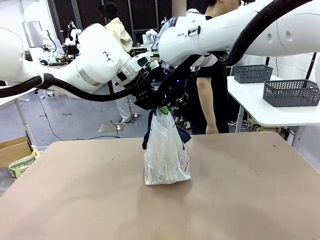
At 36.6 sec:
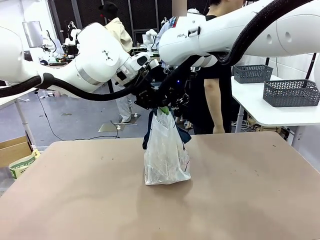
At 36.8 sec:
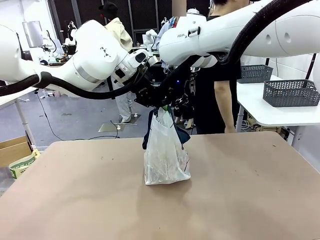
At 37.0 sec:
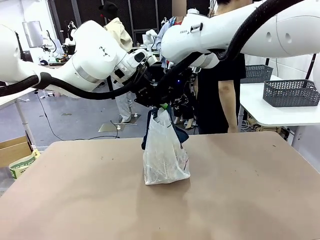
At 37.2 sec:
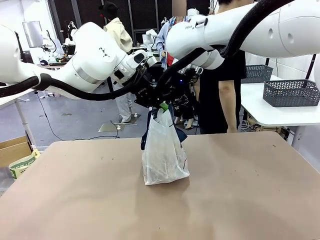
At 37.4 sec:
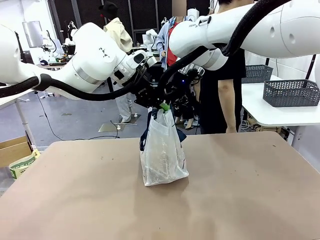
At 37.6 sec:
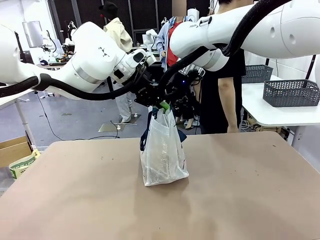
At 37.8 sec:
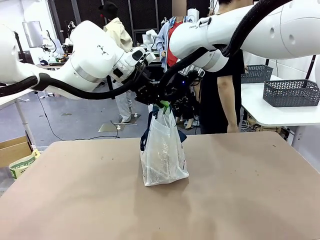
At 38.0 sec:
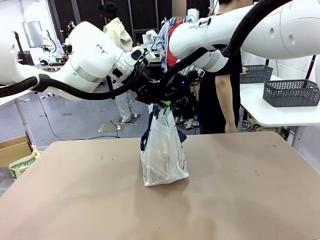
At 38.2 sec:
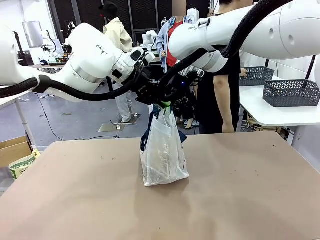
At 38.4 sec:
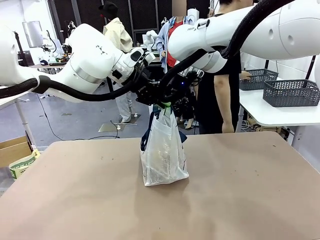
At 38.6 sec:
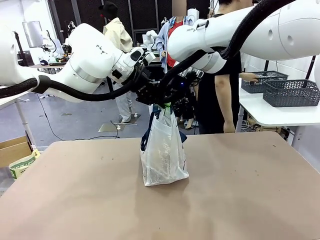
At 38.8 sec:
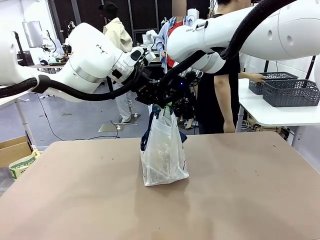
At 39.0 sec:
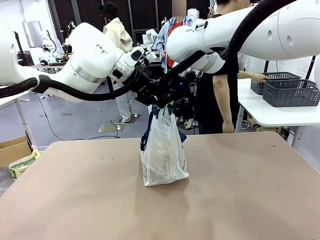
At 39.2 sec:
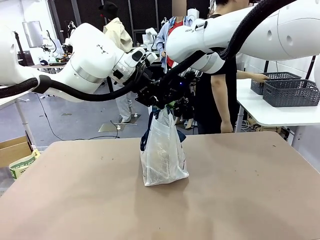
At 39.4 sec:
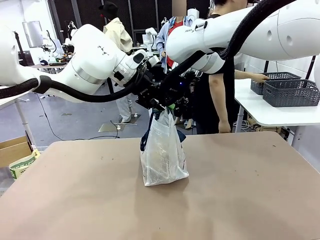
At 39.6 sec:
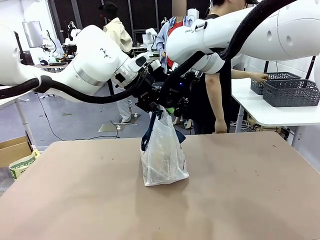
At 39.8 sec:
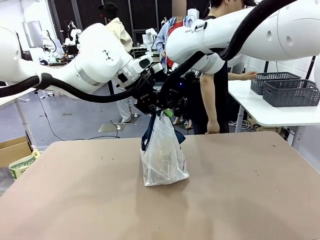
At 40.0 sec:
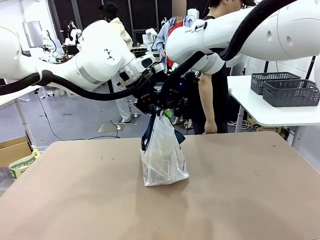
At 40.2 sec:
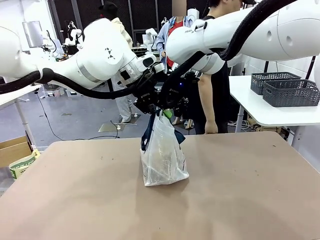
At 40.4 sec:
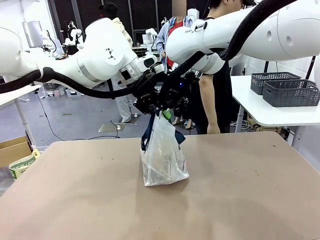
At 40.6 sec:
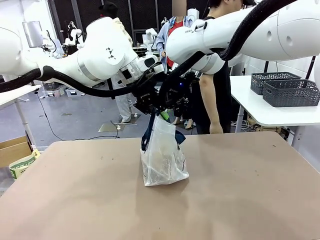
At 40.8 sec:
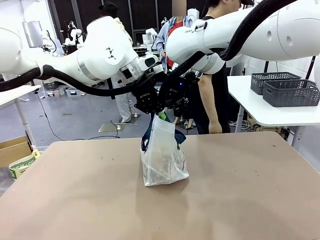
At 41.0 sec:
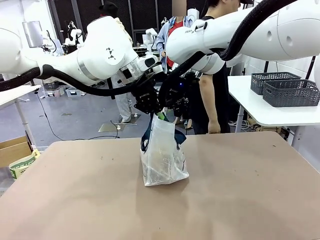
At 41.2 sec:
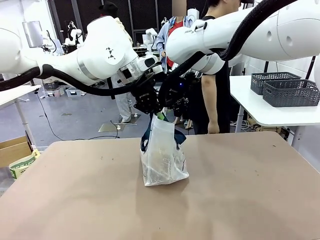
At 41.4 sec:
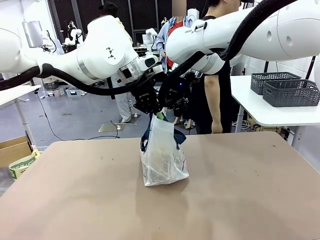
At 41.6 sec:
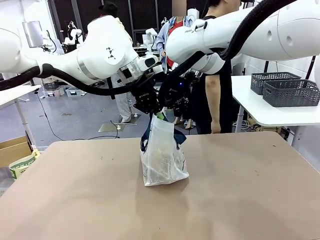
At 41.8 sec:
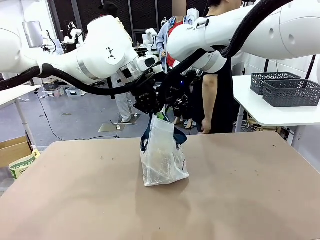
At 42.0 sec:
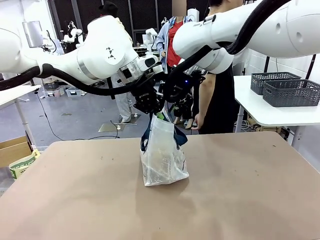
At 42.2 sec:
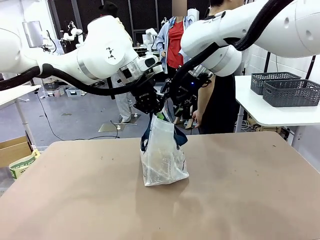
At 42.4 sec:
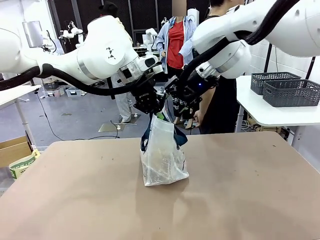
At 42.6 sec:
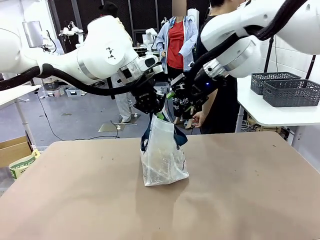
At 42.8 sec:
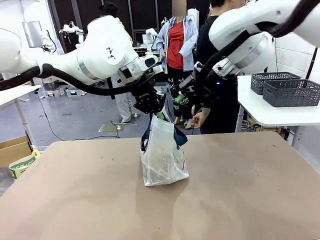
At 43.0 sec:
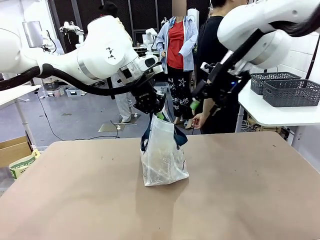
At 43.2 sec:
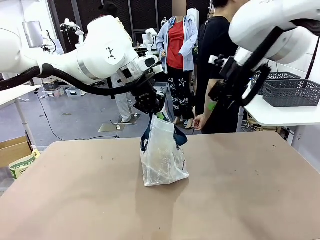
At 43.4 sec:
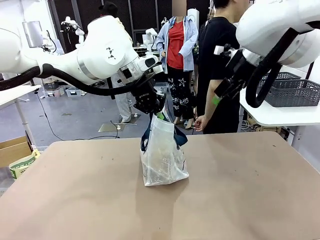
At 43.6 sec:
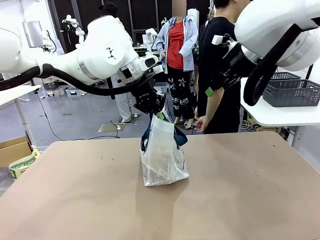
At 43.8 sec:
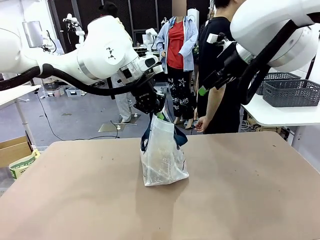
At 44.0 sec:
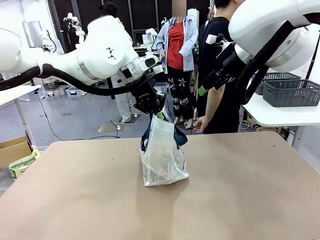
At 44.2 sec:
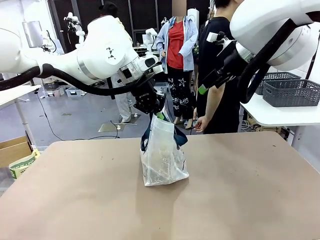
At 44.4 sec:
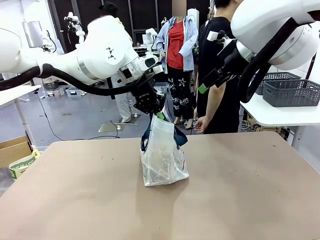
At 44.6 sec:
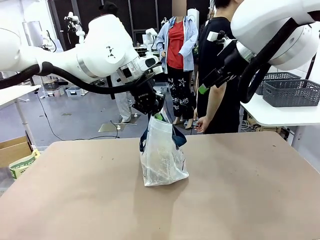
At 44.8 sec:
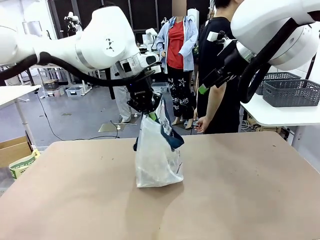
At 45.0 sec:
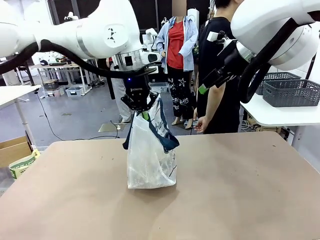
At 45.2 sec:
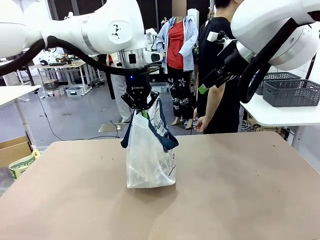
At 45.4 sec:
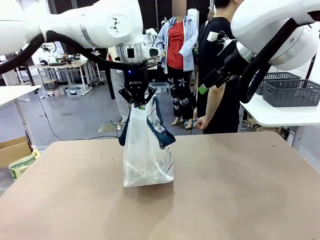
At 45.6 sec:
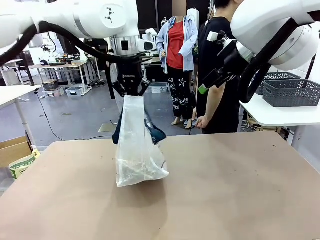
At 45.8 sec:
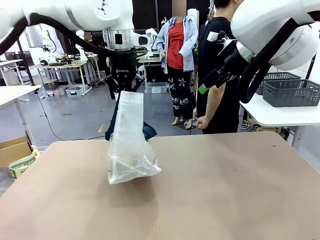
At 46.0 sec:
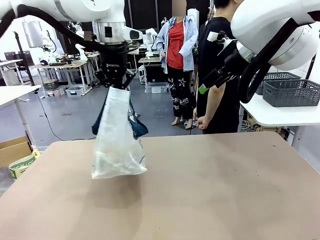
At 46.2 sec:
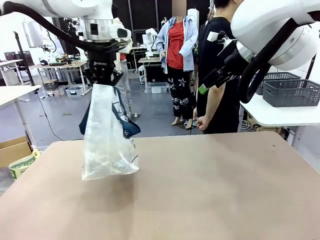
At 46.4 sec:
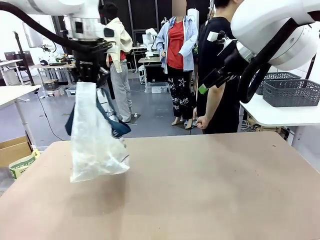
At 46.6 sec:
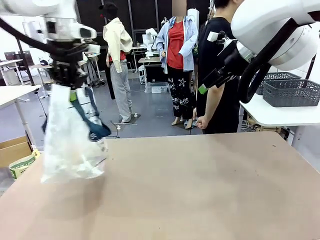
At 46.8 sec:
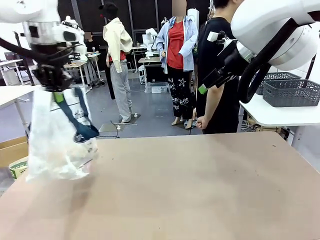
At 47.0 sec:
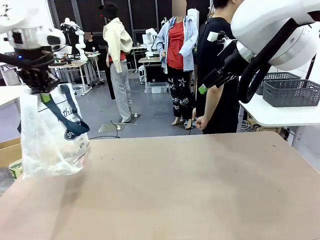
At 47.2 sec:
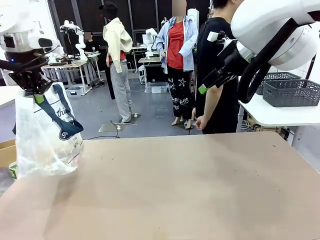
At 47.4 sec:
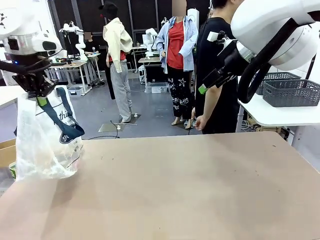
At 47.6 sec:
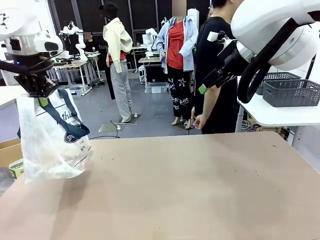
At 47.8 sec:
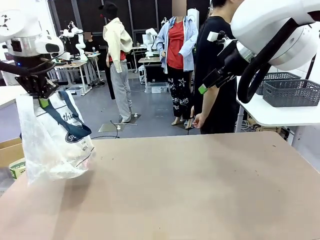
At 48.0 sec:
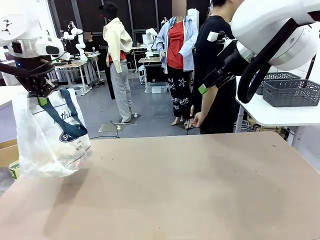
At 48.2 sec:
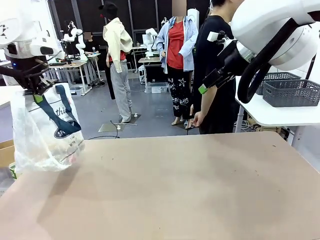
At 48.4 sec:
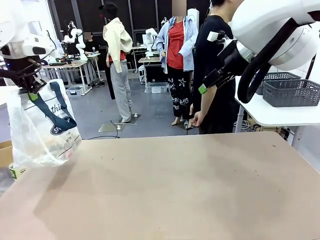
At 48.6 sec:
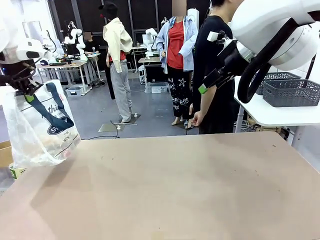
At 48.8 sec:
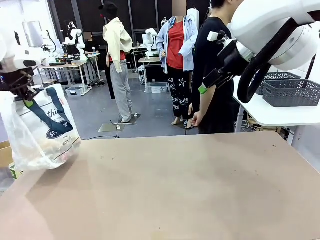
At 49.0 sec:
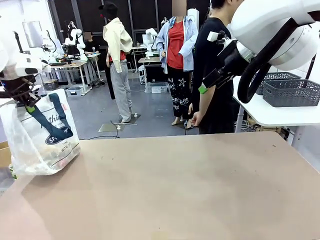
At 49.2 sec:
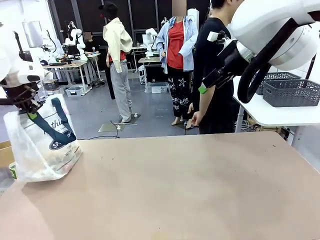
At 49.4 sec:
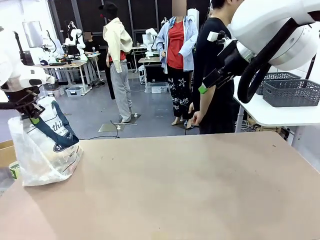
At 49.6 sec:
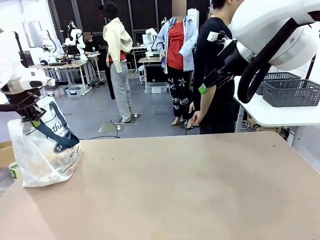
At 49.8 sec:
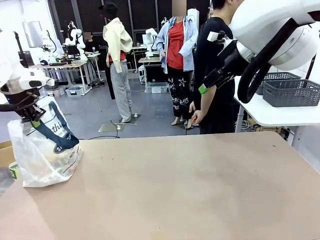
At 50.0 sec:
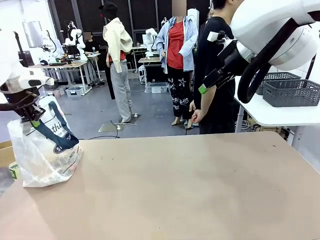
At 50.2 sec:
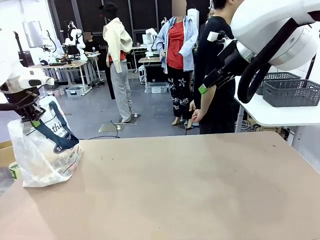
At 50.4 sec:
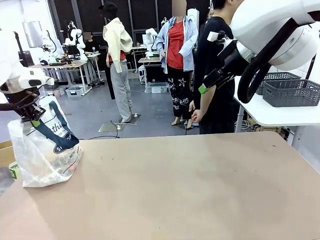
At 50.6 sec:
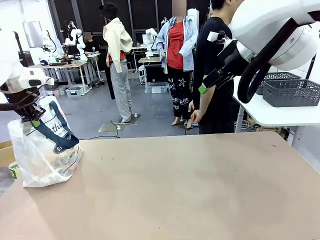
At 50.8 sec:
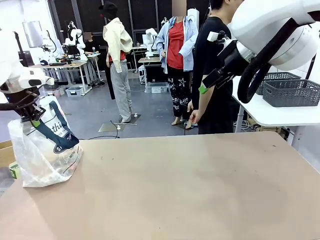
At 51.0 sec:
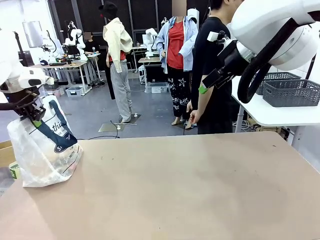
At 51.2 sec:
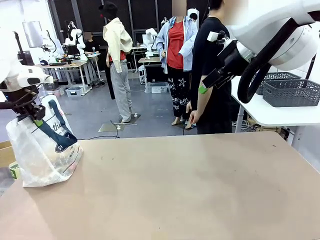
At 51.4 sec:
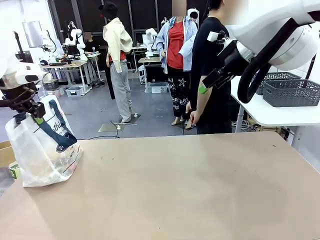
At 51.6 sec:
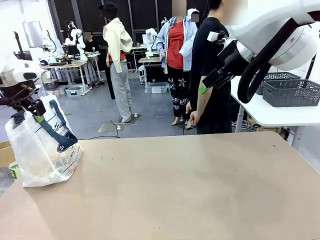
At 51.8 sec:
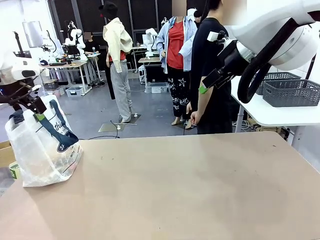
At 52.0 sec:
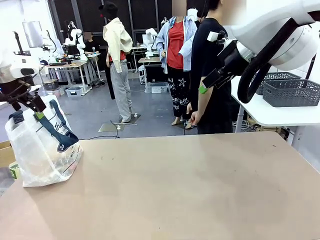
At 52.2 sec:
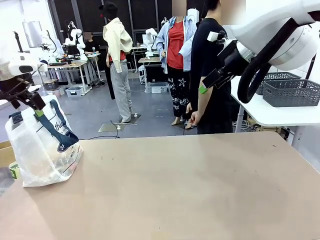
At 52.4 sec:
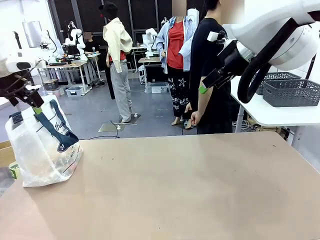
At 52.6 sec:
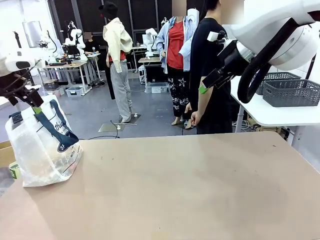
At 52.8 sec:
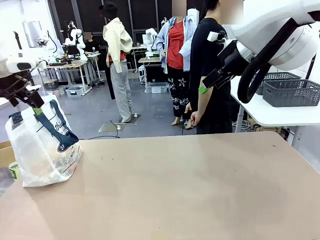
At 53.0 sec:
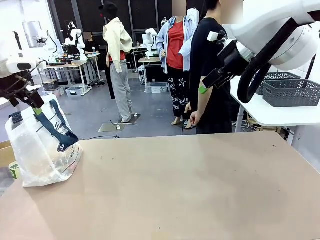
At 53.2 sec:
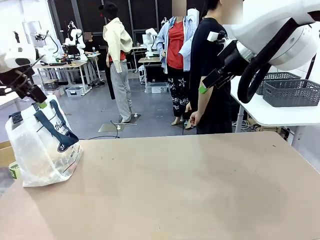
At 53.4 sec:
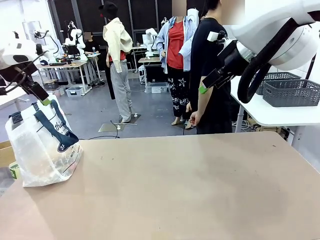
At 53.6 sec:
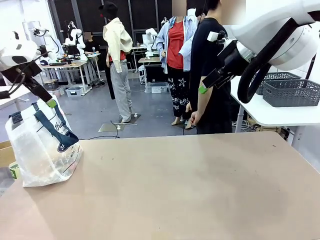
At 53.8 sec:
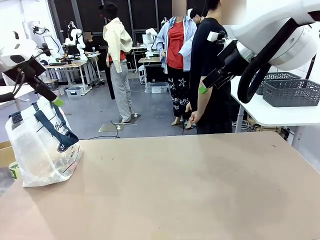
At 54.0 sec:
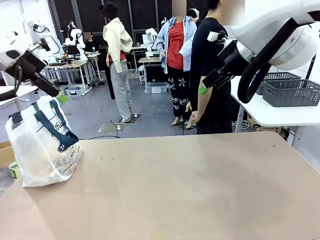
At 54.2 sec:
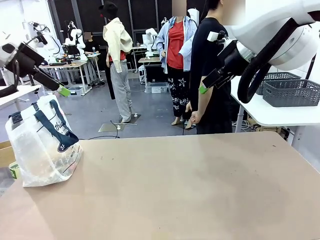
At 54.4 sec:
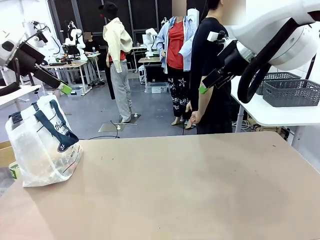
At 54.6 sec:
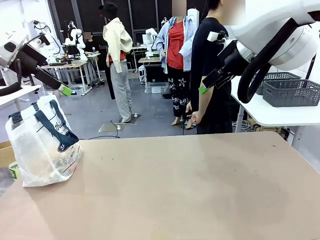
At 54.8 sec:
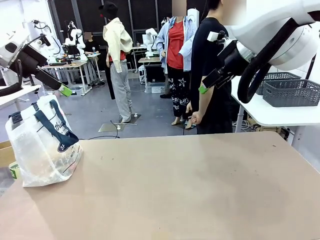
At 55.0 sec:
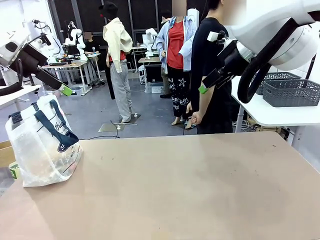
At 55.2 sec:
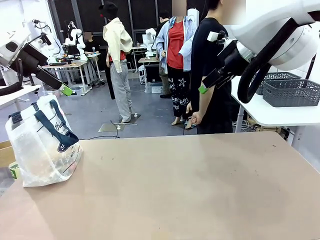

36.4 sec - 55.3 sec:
Task: Transfer purchased items from the store into the shopping bag.
Robot: Move the Reusable shopping bag to the right side of the table.
Person: Move the basket on the left to the middle of the person's table.
